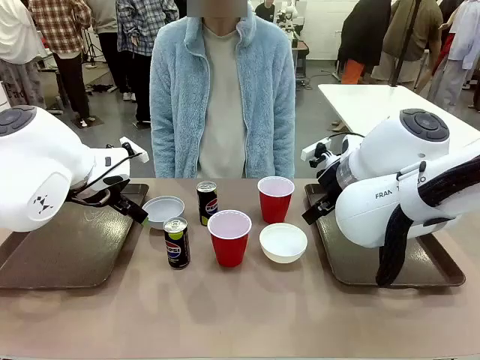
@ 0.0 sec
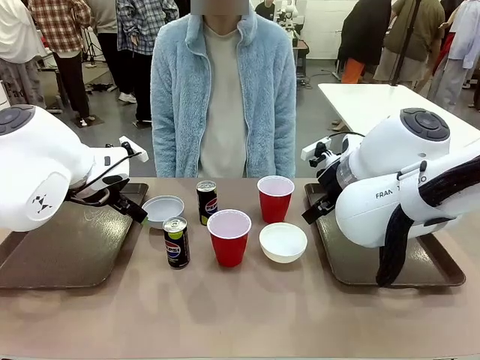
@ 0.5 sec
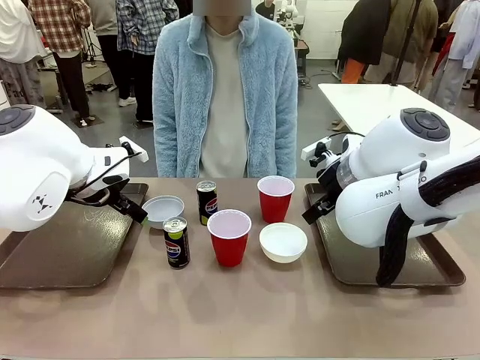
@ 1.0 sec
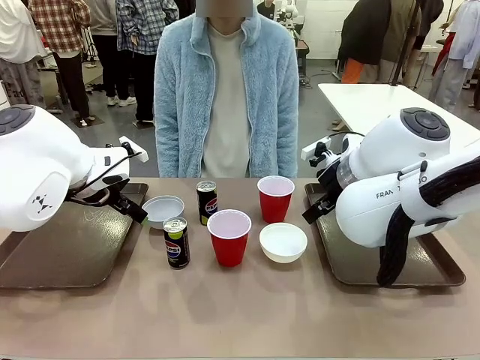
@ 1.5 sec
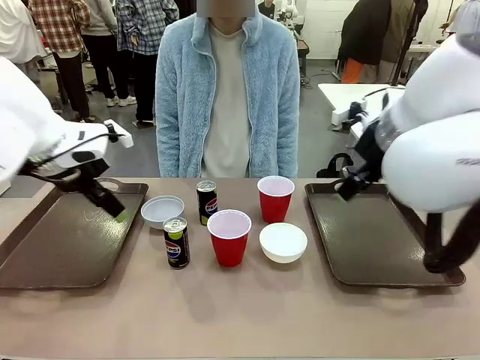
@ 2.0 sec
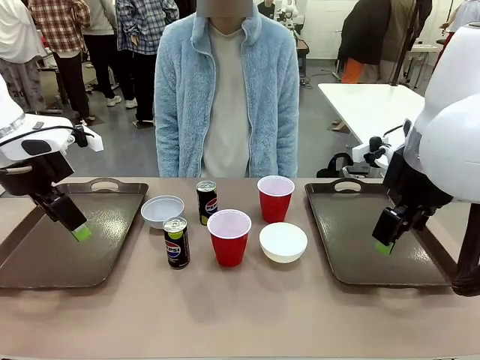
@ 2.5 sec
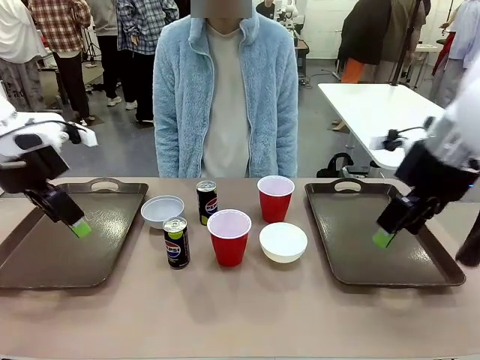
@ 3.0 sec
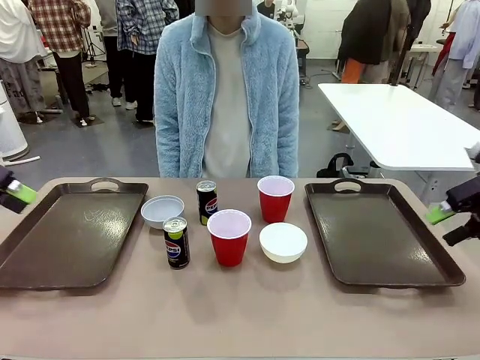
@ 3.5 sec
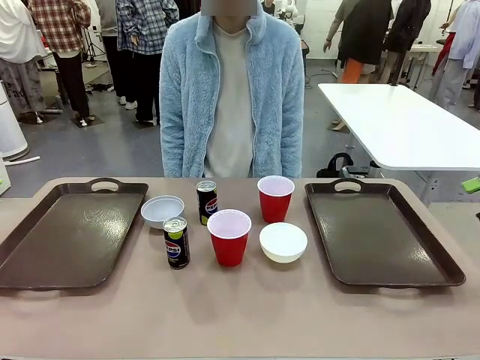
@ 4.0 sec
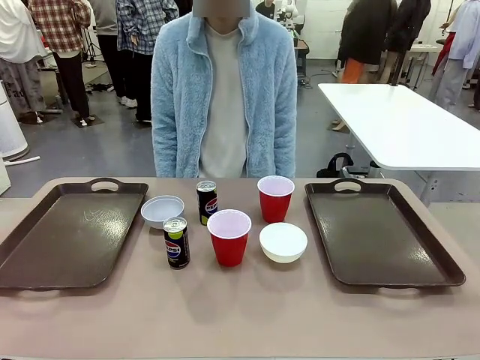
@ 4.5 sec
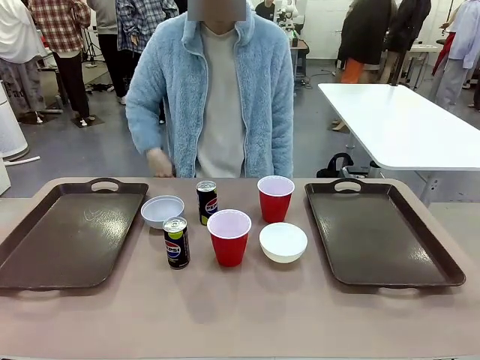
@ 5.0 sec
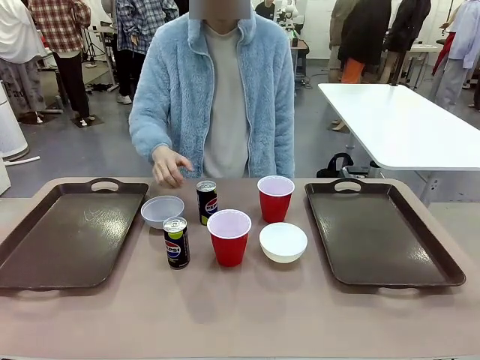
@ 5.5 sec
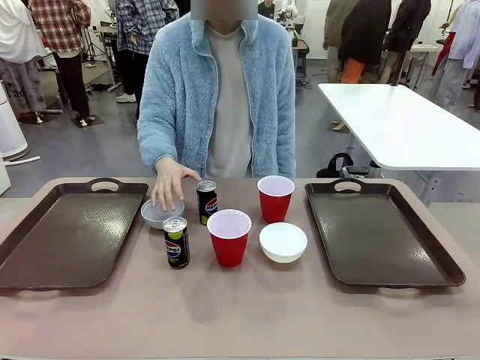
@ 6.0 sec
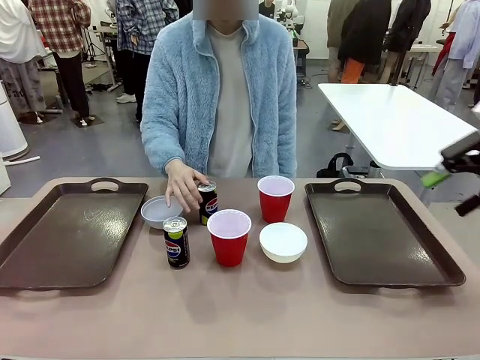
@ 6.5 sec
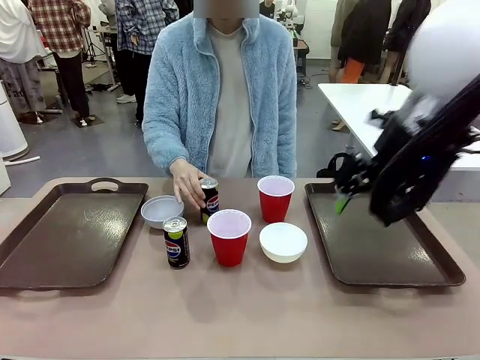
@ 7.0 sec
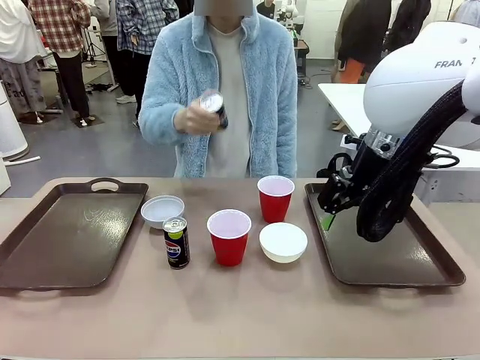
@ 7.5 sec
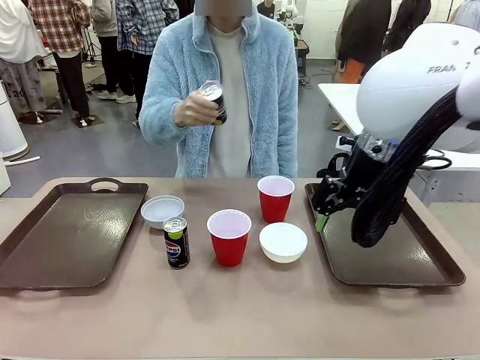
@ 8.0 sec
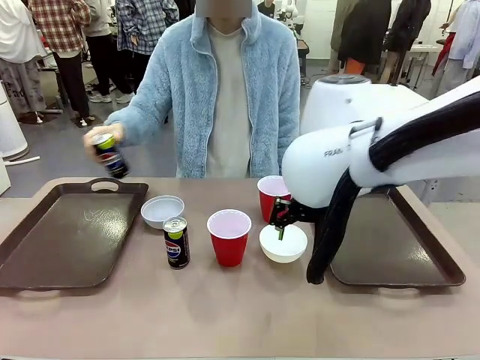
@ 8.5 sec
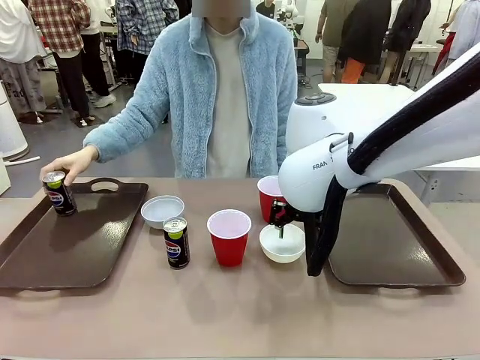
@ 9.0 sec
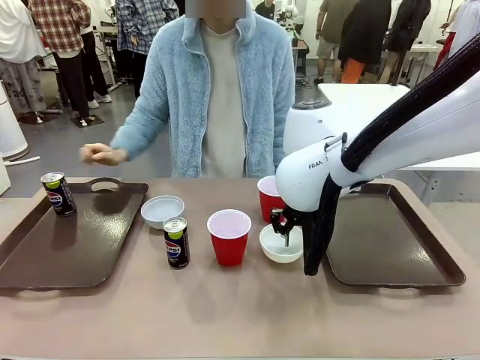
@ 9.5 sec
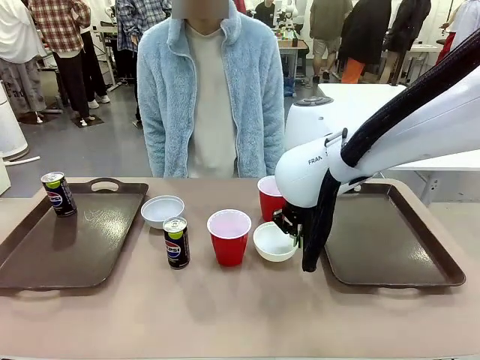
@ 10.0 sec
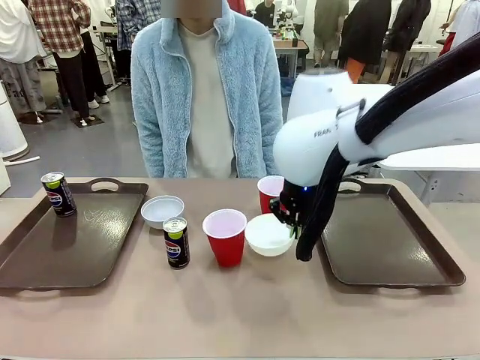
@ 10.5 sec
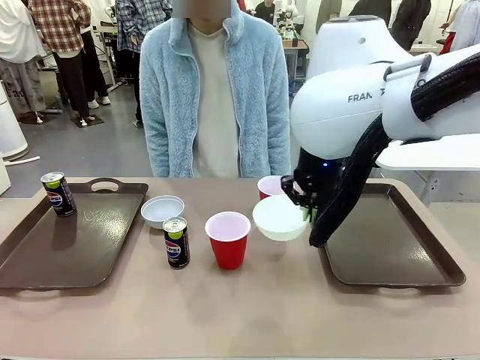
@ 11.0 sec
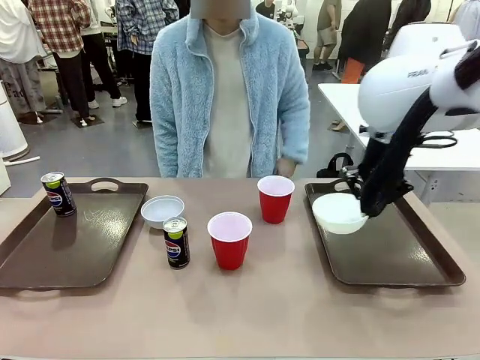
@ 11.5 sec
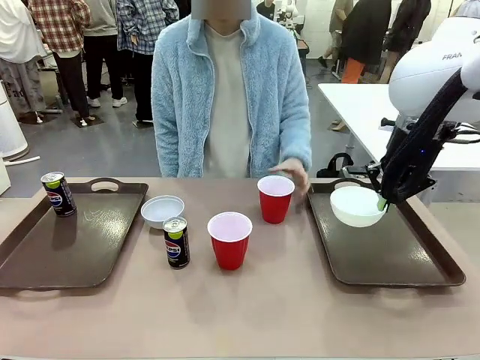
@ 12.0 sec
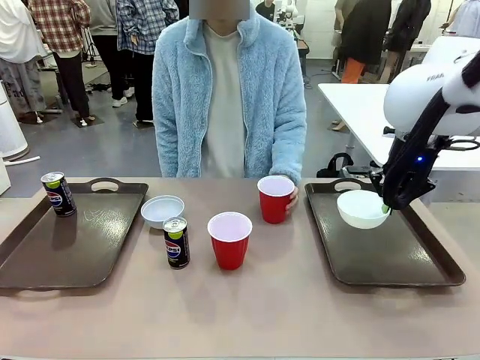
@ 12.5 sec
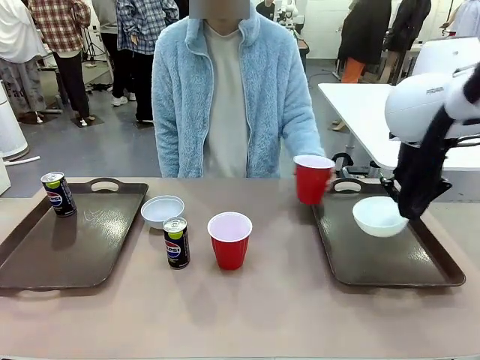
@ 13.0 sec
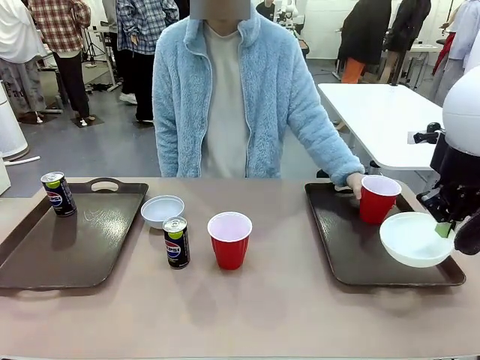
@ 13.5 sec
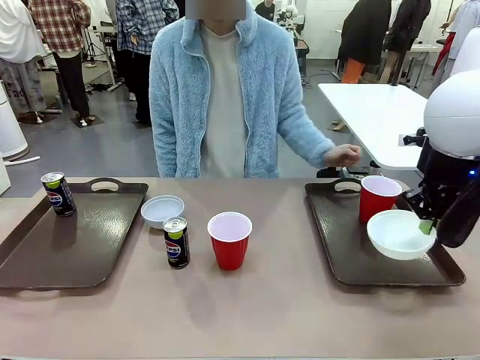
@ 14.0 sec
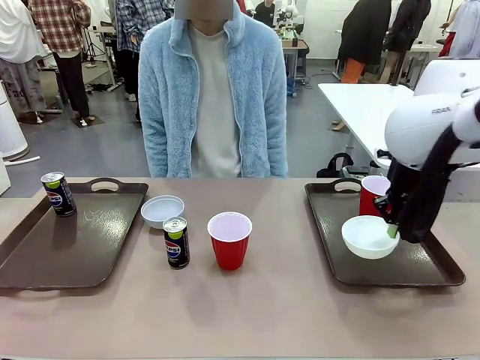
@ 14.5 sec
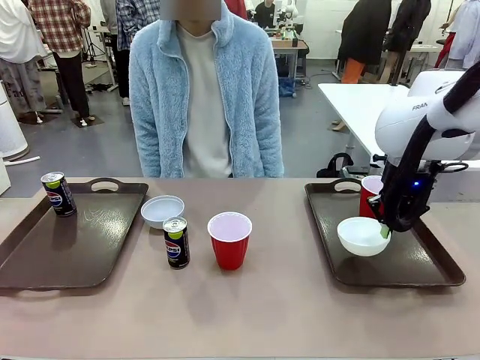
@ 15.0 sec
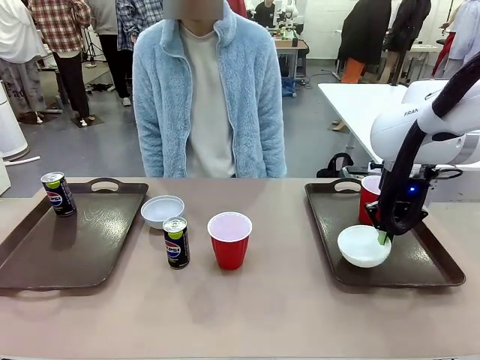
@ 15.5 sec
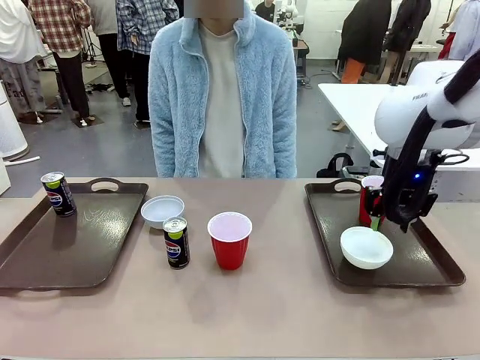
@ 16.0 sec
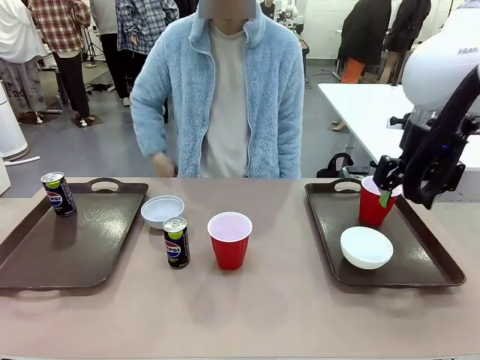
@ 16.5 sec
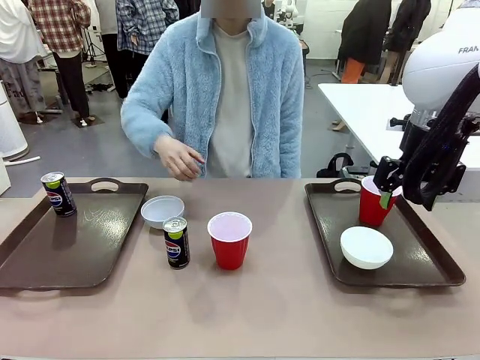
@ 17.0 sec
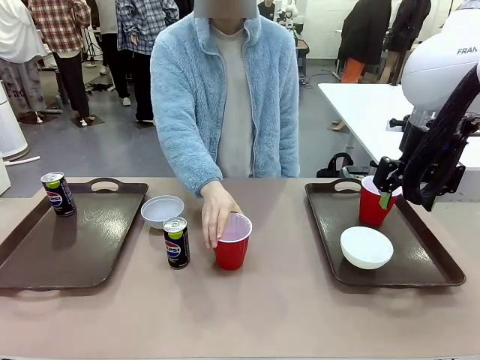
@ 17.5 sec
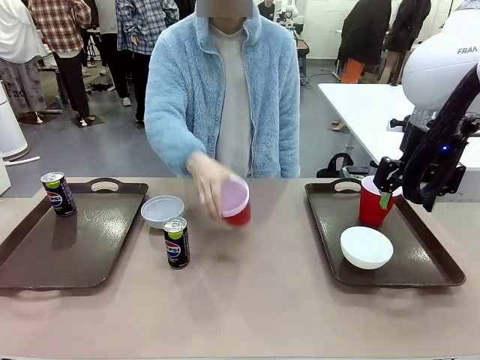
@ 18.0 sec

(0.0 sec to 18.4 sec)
Task: Prepare tableware on both trays.
Robot: Pick up a Picnic Bowl from the table and place it on a Handle tray.
Person: Pick up a can or cup and place it on the tray.
